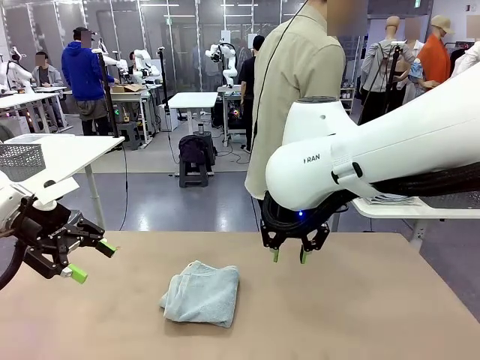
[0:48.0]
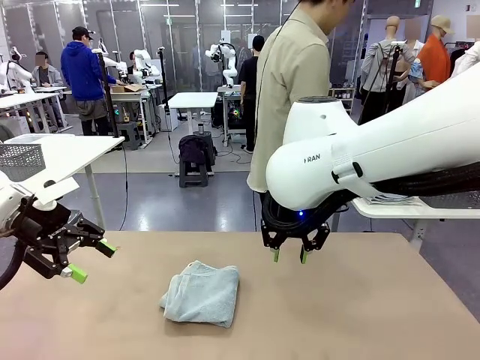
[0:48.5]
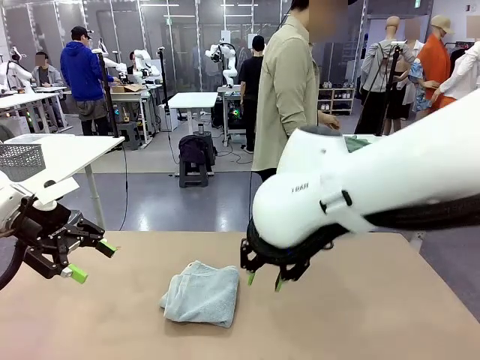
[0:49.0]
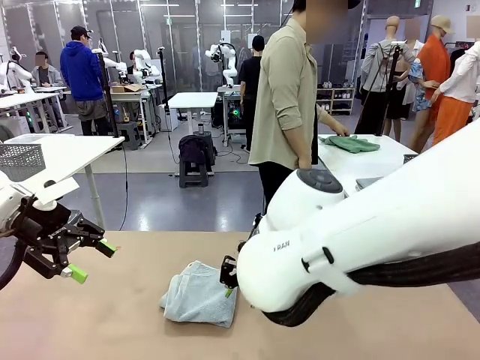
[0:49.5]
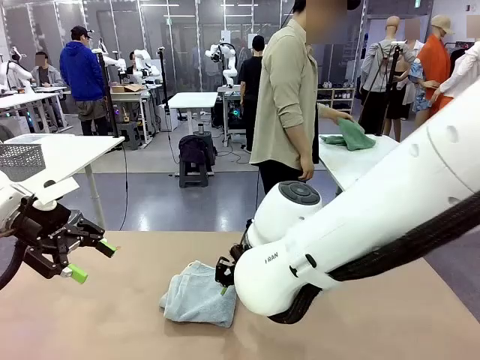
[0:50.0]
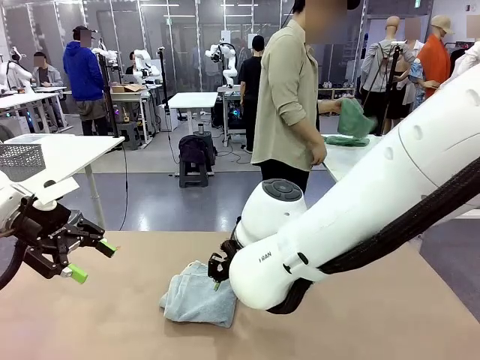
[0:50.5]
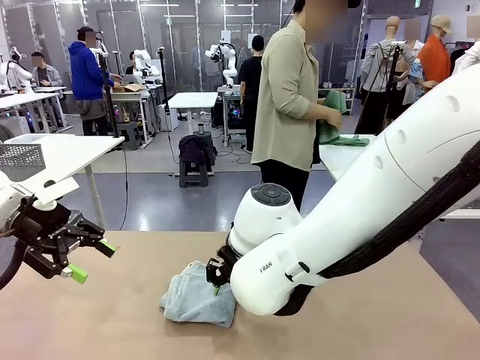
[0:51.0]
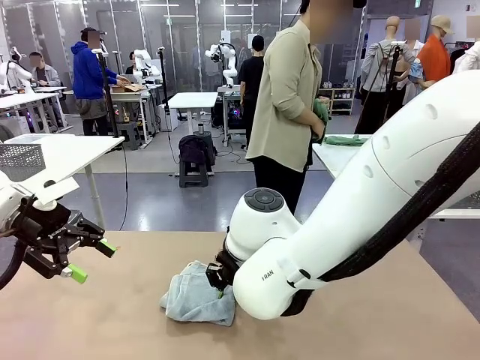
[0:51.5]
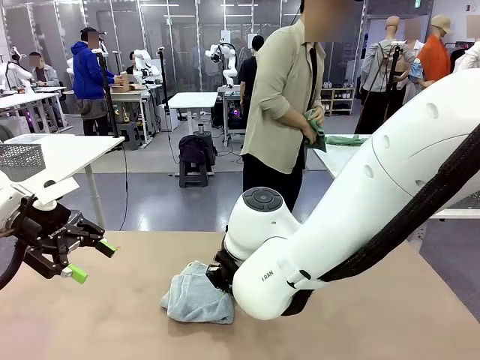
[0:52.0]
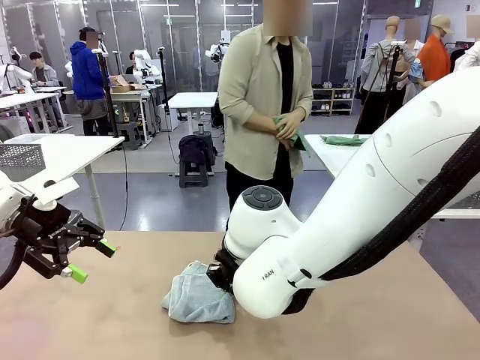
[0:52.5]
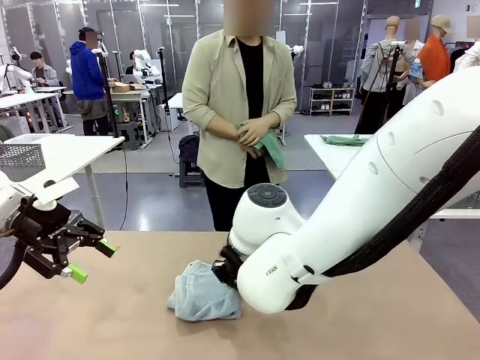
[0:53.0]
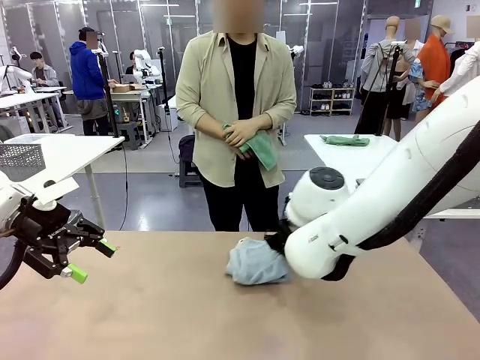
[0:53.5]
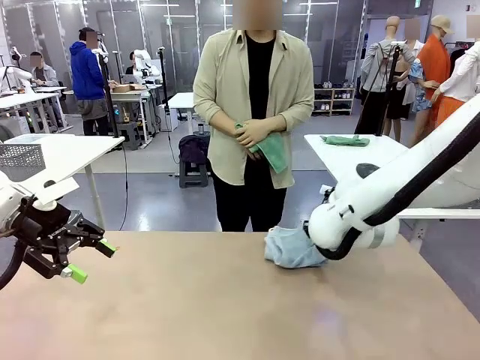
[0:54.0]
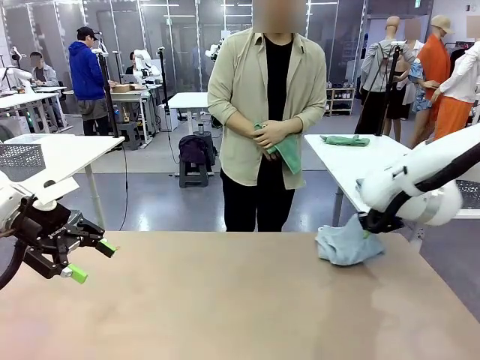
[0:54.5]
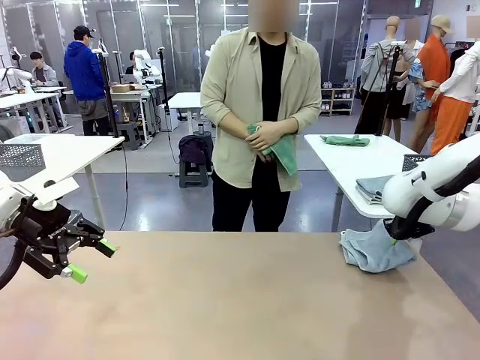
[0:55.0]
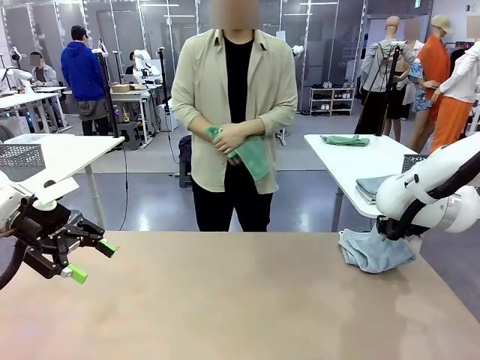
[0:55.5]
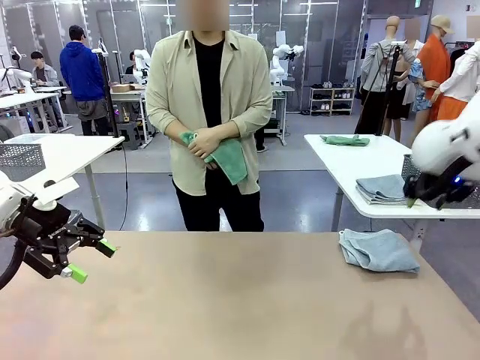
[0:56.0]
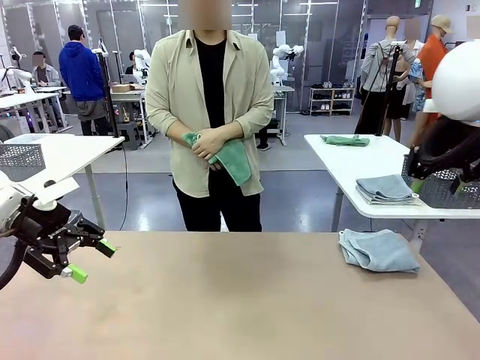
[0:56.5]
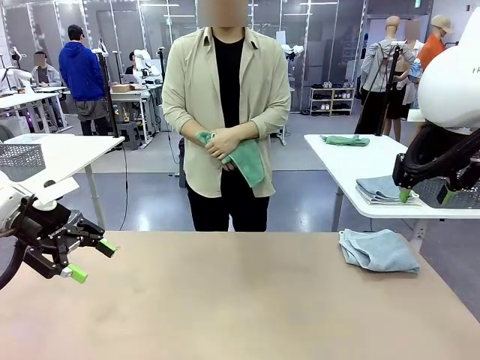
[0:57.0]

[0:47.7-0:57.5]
Task: Fold the towels and place them in the basket.
Robot: Place the folded Towel with hook on the right side of the table.
Person: Pick up one towel from the left side of the human table and spread it out at the center of the robot table.

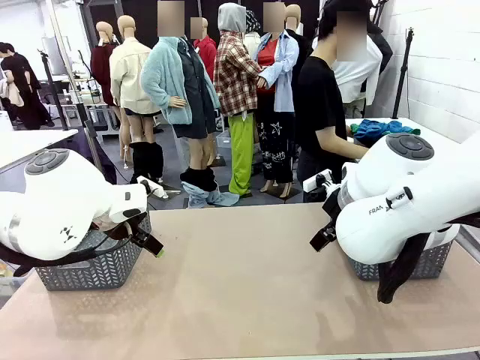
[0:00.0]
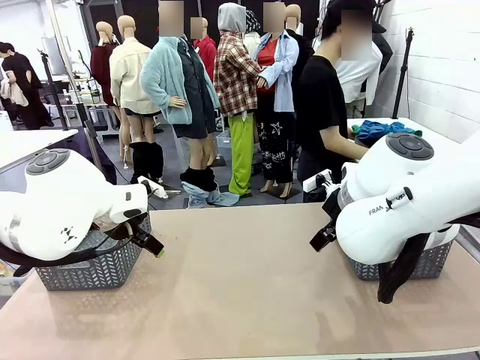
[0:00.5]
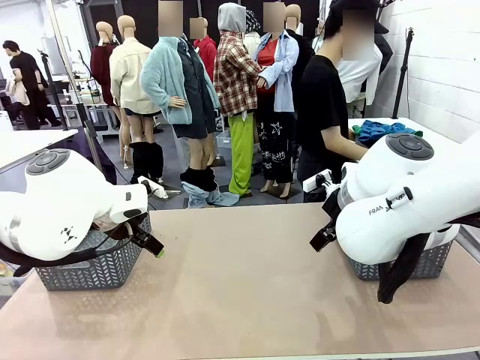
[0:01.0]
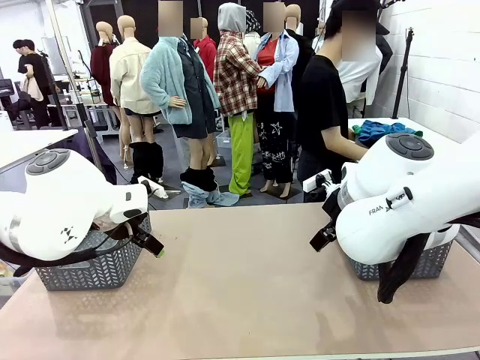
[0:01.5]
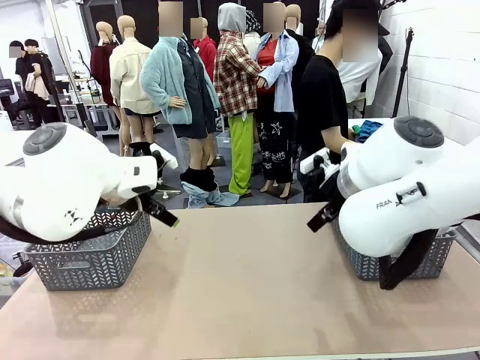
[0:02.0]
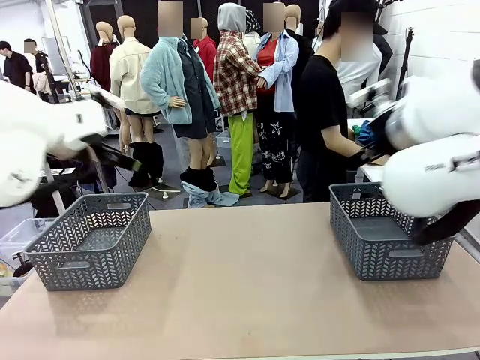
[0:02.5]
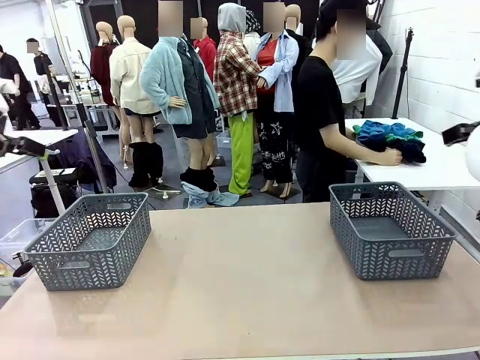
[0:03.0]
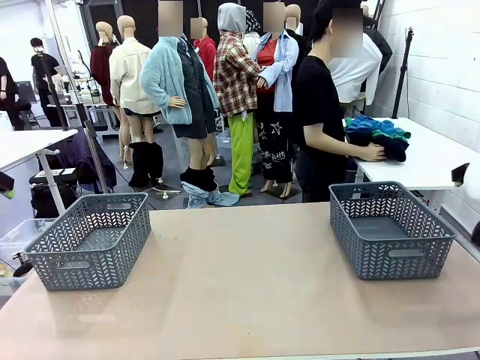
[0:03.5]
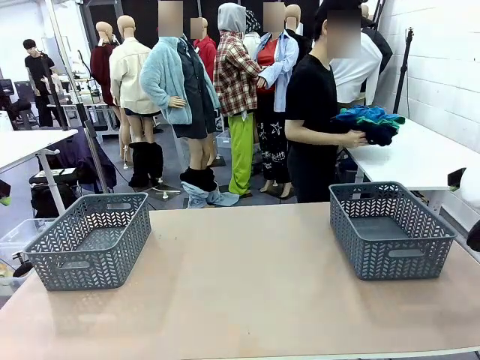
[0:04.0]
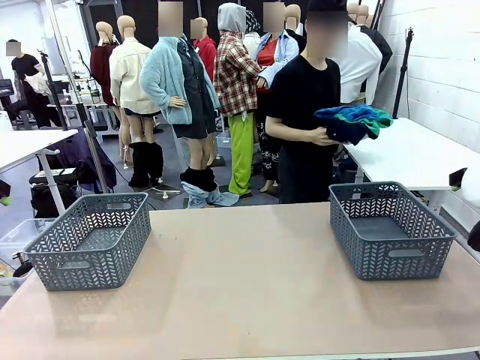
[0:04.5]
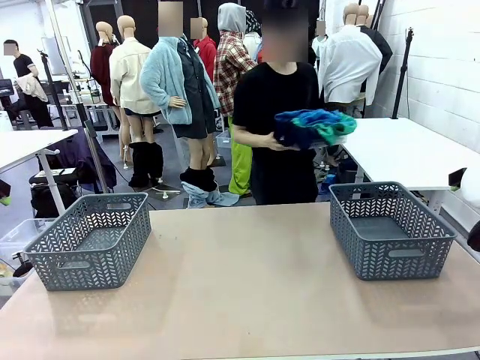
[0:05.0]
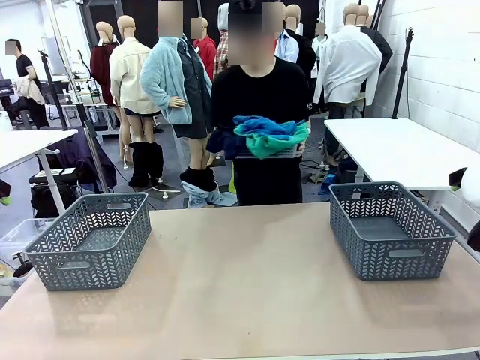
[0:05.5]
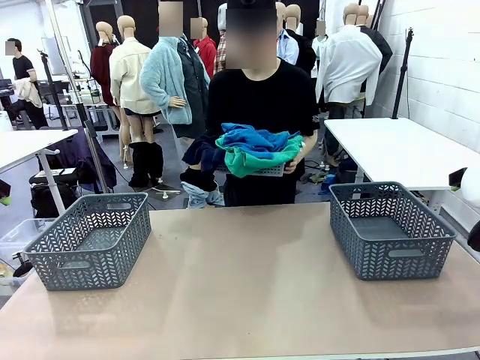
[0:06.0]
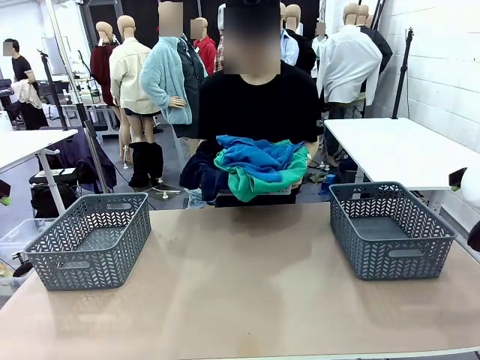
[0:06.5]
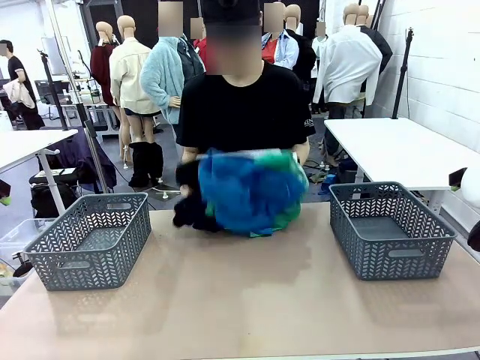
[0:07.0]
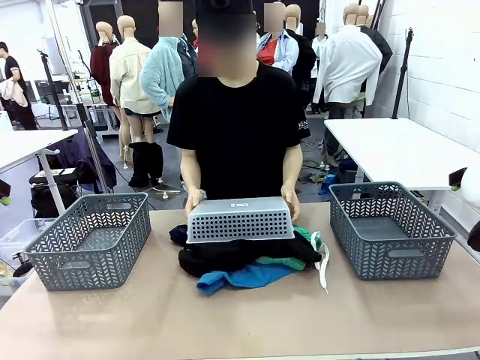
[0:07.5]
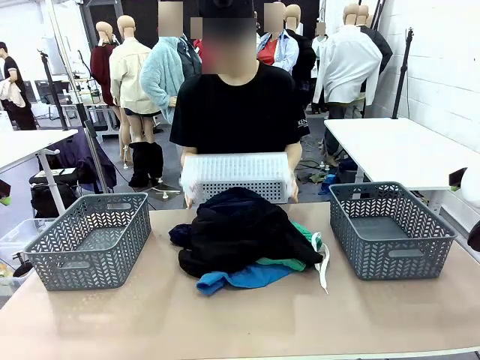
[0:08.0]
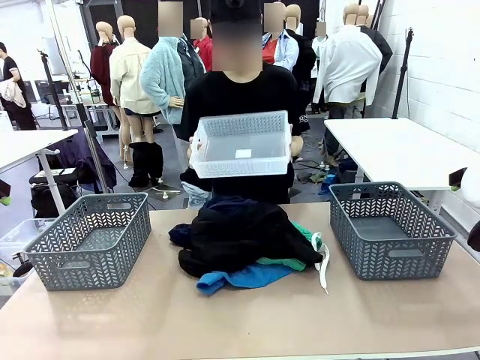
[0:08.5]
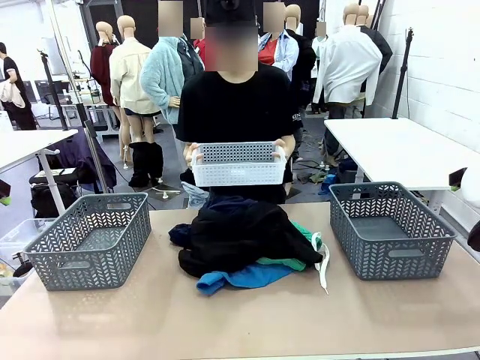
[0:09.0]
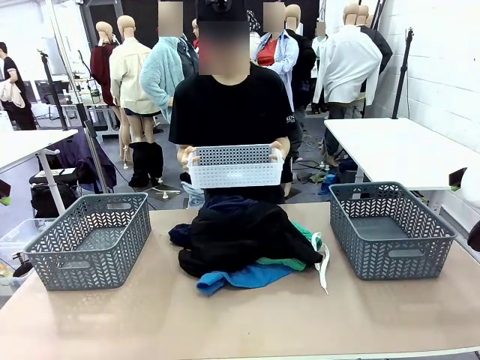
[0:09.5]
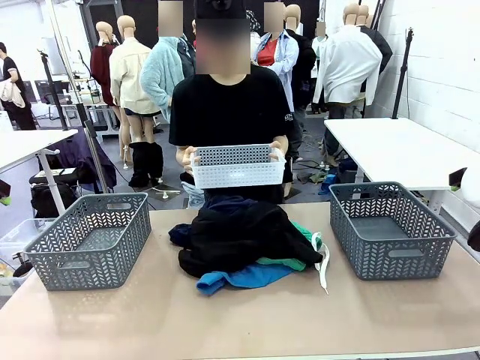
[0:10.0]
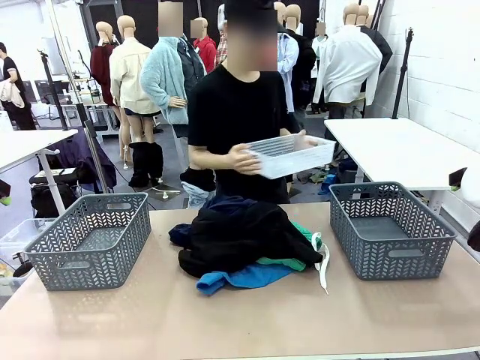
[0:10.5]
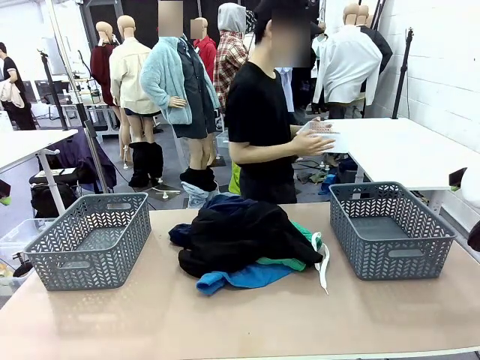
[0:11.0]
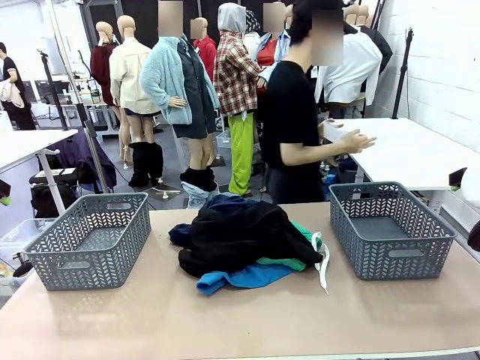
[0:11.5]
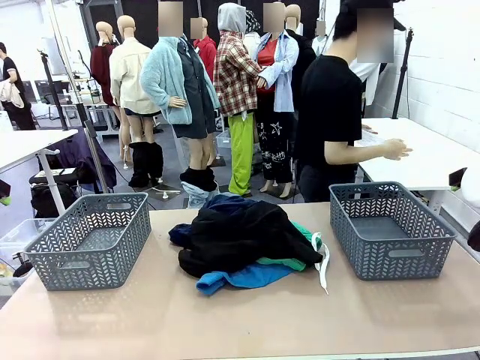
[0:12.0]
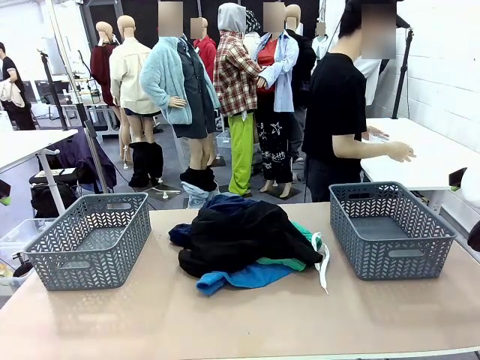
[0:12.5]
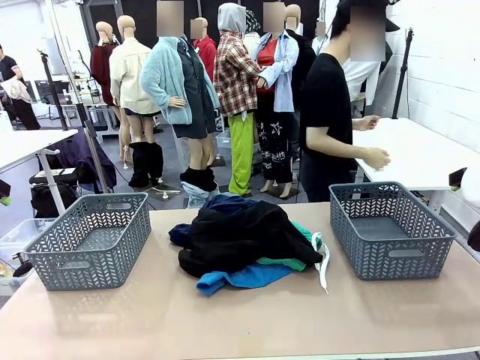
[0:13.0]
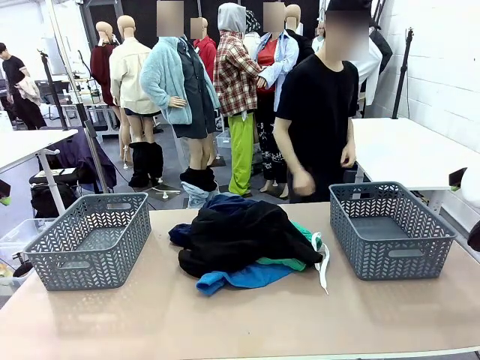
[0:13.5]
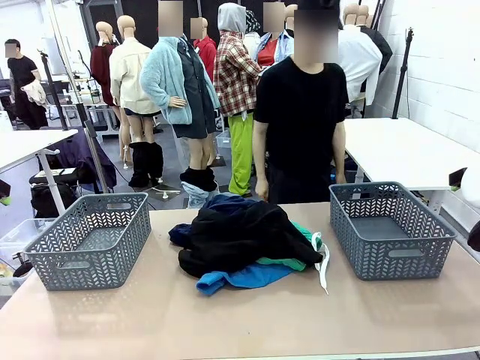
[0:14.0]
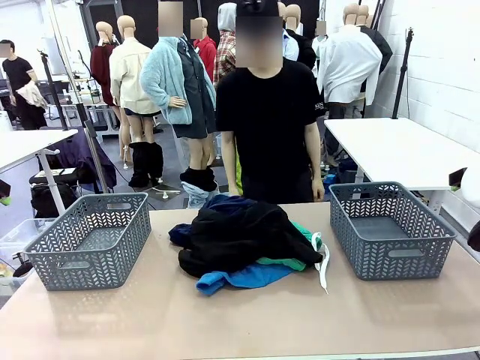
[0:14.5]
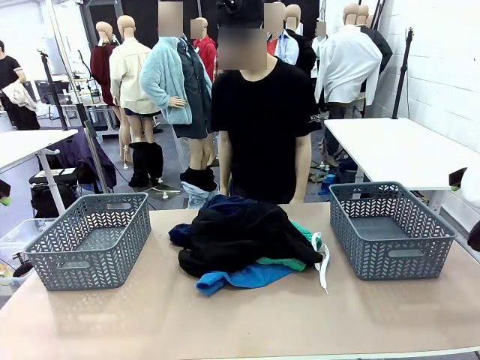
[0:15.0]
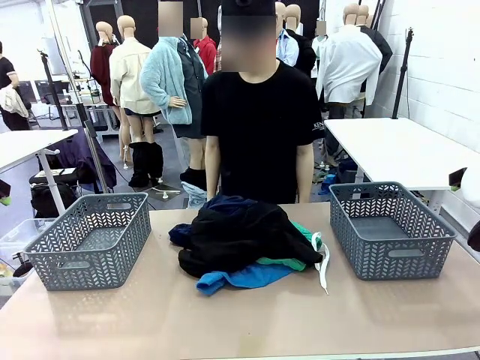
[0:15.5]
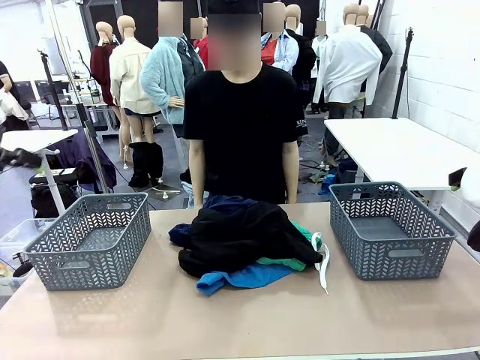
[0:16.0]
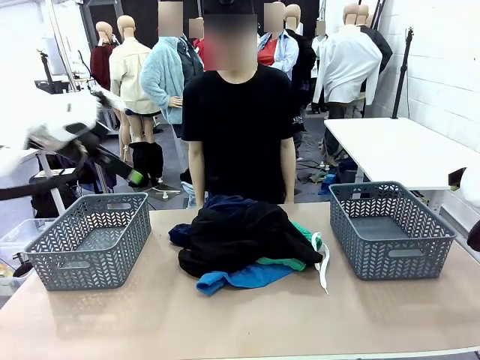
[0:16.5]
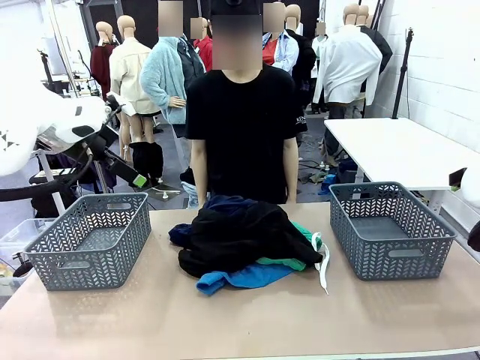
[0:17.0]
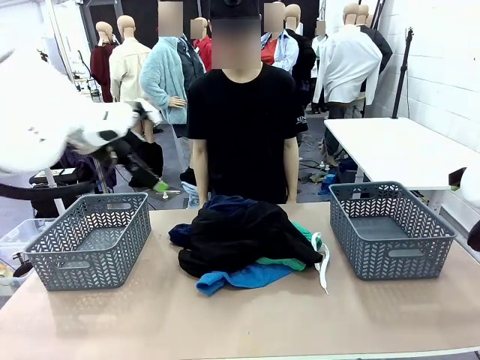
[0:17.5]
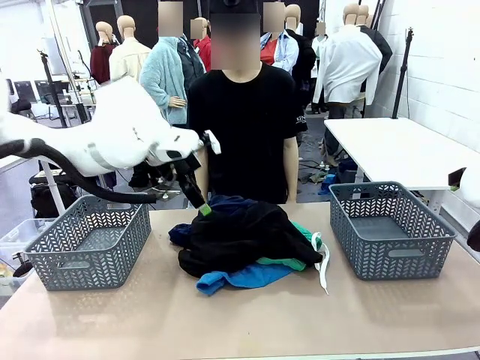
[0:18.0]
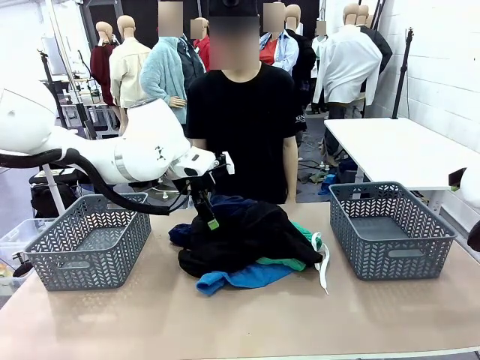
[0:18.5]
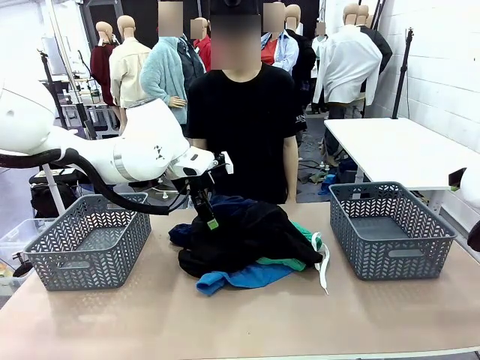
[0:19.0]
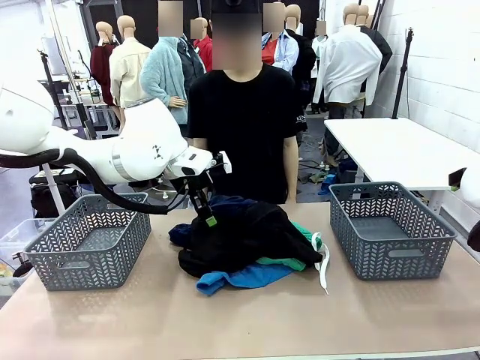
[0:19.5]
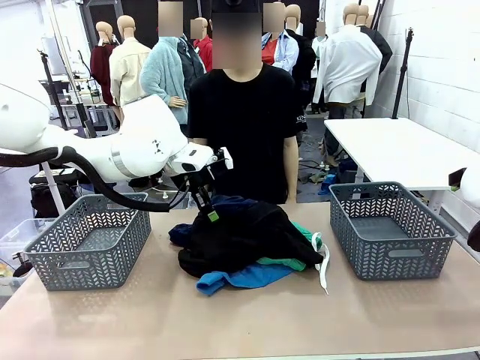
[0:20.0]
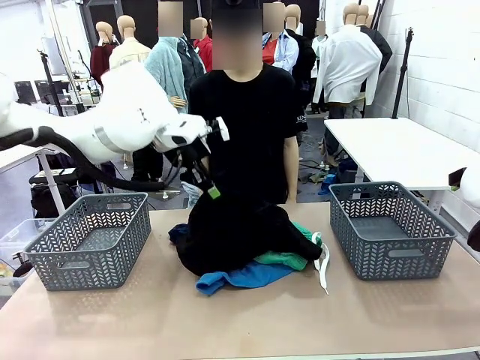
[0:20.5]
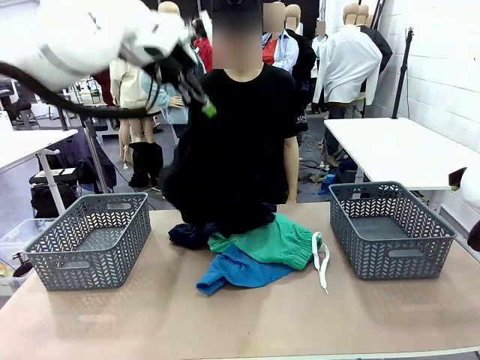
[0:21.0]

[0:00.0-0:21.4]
Task: Sort the tops and bottoms.
Robot: Lift clothes from the center of the table with your left hand.
Person: Pour the clothes from the basket onto the center of the robot table.
